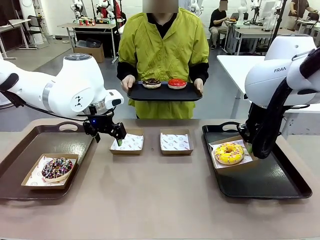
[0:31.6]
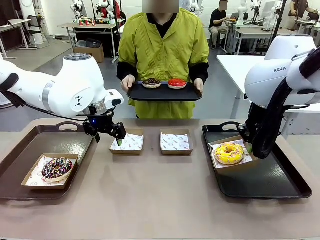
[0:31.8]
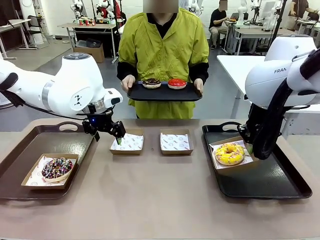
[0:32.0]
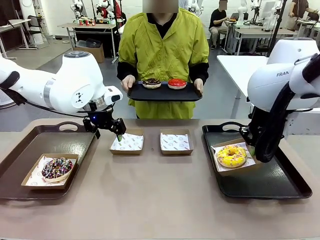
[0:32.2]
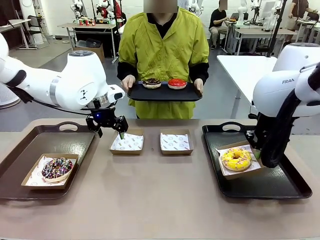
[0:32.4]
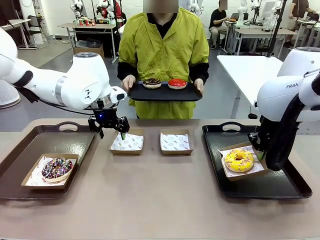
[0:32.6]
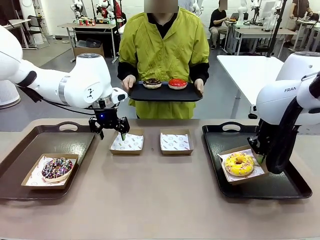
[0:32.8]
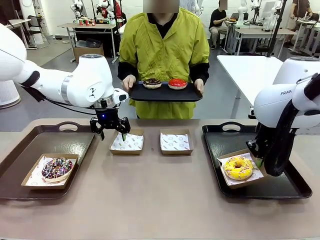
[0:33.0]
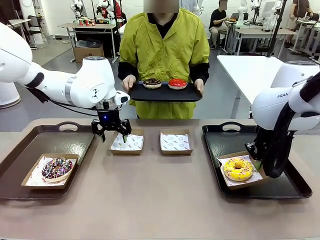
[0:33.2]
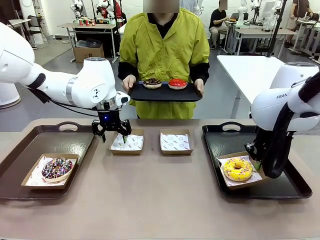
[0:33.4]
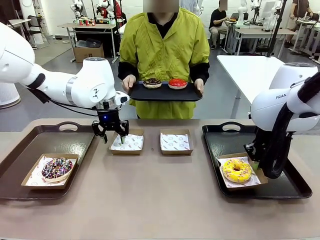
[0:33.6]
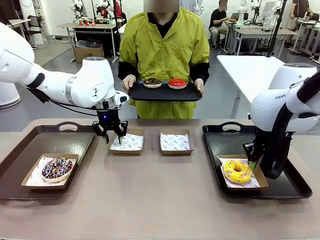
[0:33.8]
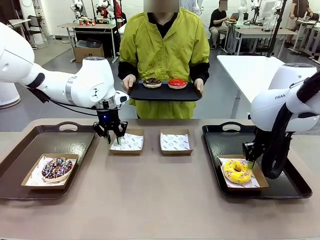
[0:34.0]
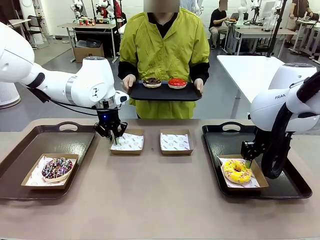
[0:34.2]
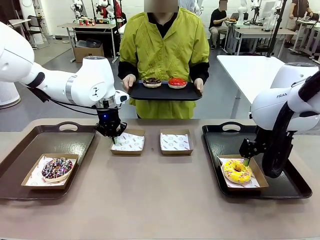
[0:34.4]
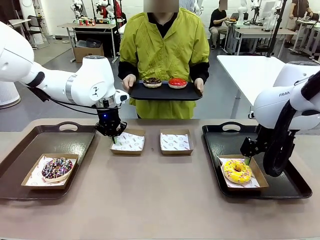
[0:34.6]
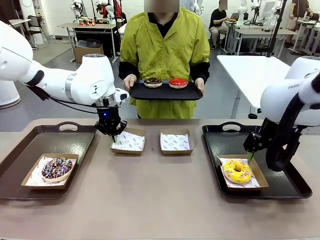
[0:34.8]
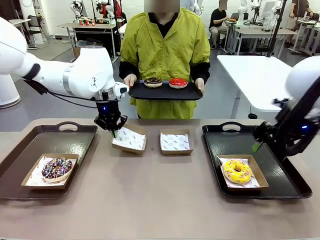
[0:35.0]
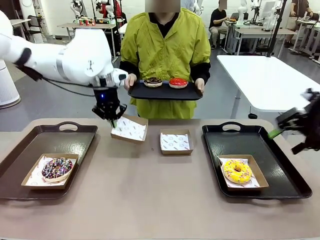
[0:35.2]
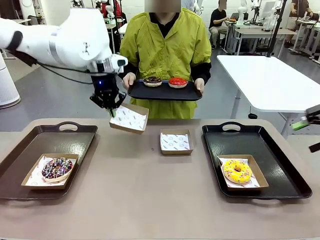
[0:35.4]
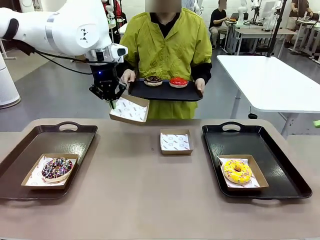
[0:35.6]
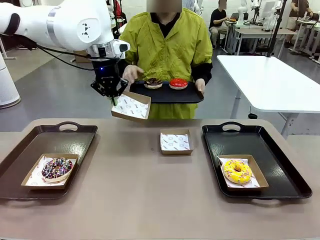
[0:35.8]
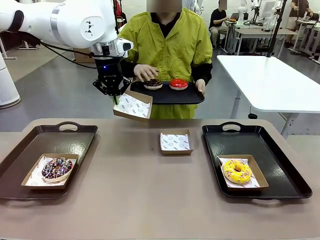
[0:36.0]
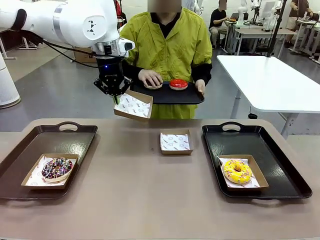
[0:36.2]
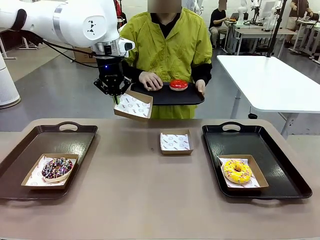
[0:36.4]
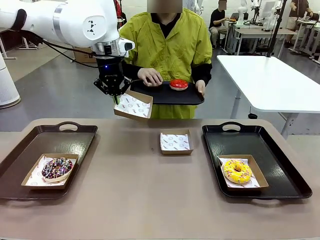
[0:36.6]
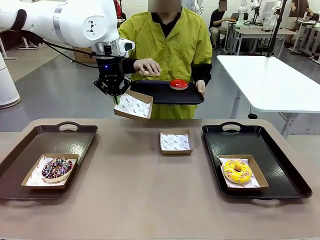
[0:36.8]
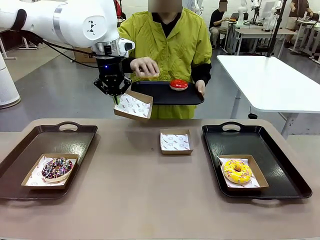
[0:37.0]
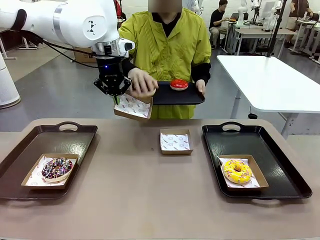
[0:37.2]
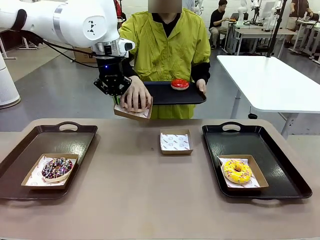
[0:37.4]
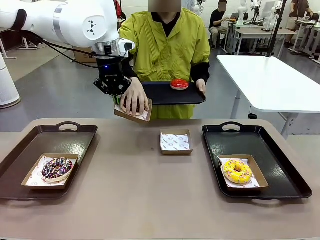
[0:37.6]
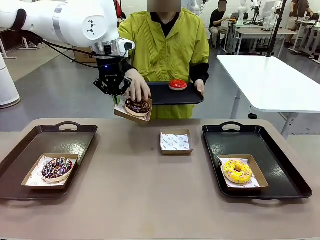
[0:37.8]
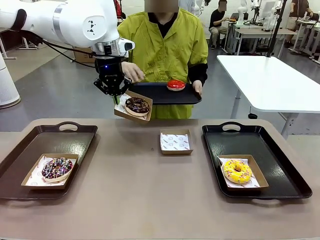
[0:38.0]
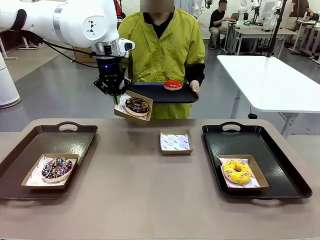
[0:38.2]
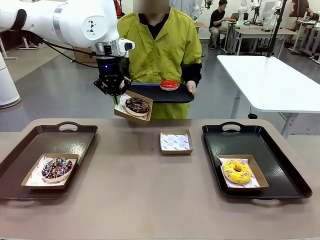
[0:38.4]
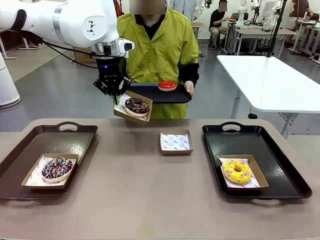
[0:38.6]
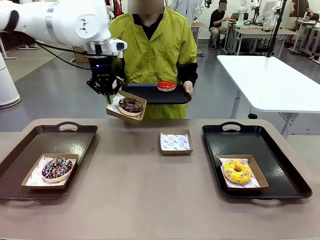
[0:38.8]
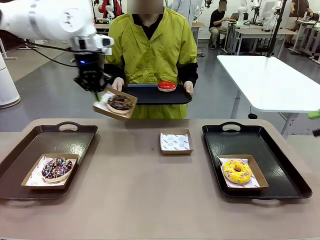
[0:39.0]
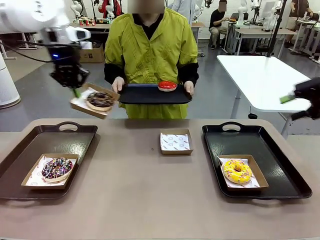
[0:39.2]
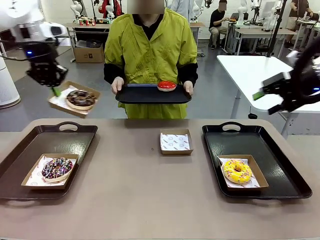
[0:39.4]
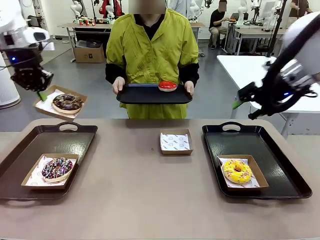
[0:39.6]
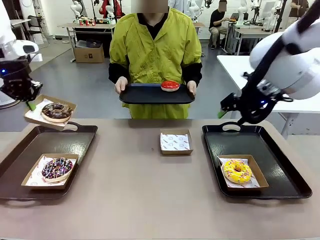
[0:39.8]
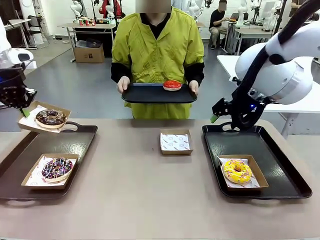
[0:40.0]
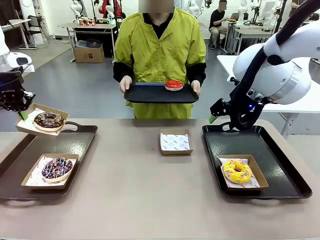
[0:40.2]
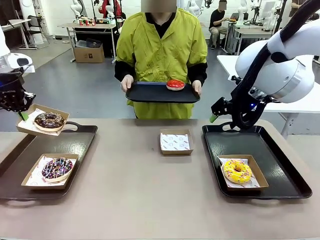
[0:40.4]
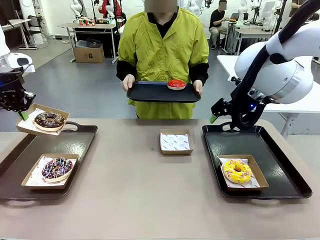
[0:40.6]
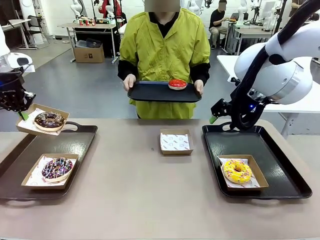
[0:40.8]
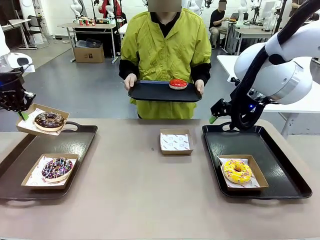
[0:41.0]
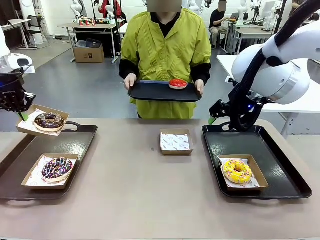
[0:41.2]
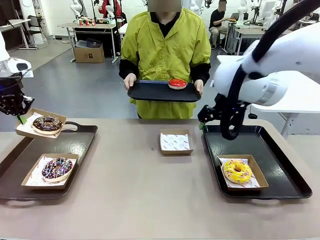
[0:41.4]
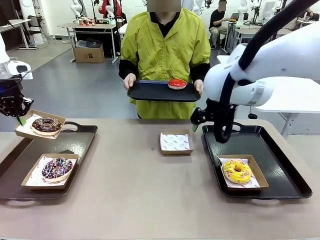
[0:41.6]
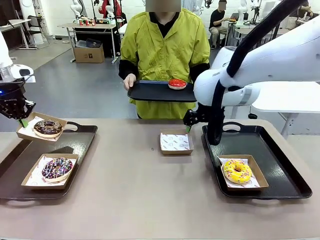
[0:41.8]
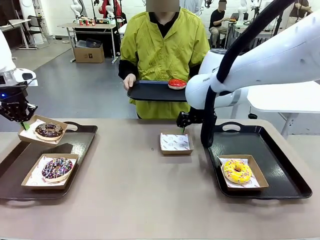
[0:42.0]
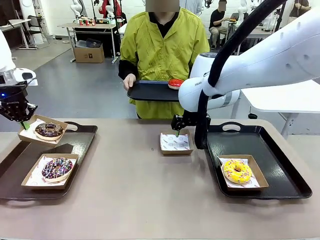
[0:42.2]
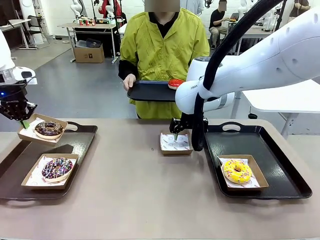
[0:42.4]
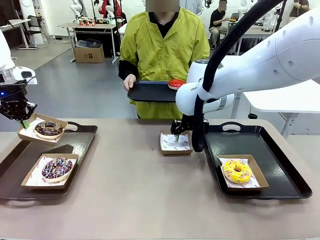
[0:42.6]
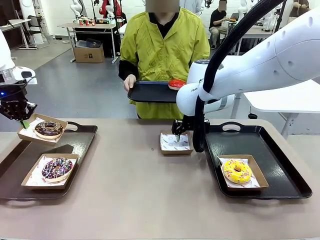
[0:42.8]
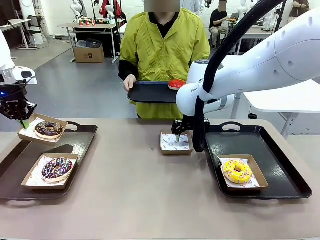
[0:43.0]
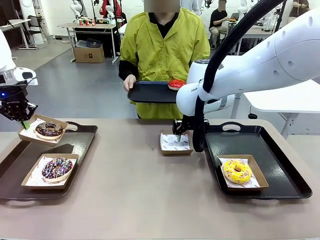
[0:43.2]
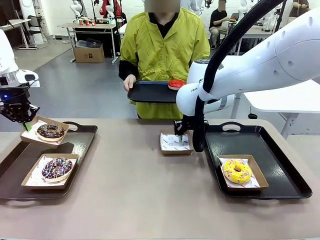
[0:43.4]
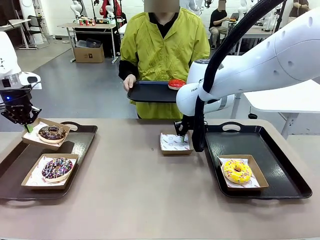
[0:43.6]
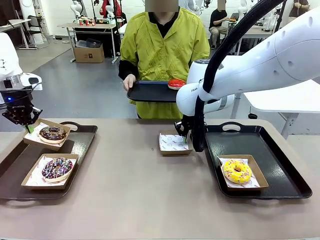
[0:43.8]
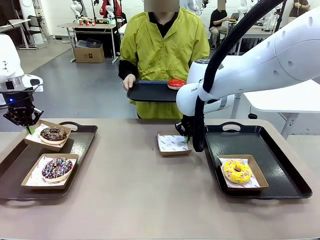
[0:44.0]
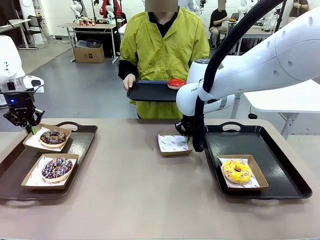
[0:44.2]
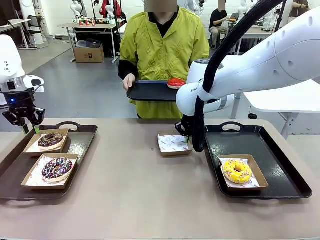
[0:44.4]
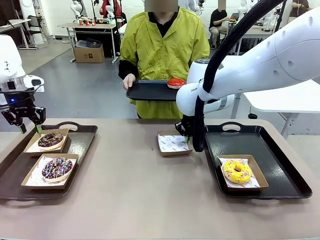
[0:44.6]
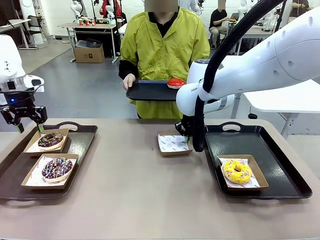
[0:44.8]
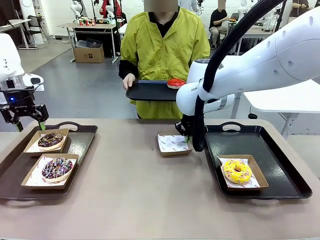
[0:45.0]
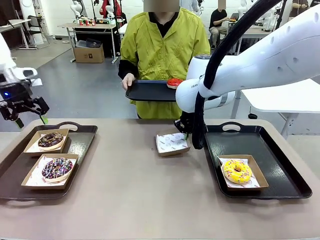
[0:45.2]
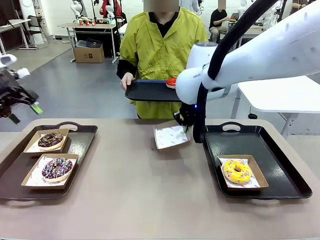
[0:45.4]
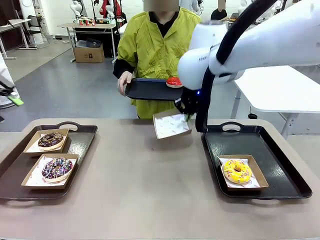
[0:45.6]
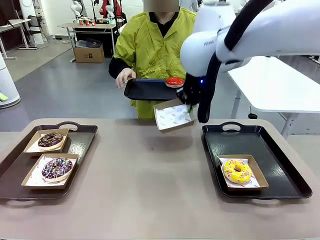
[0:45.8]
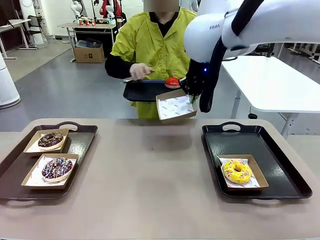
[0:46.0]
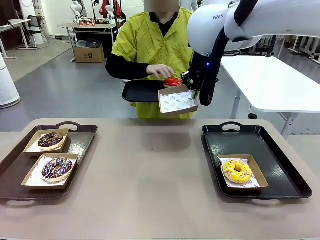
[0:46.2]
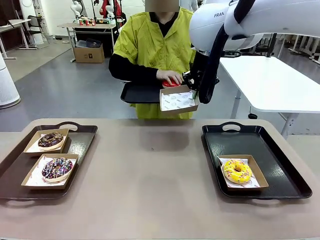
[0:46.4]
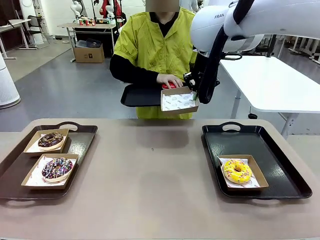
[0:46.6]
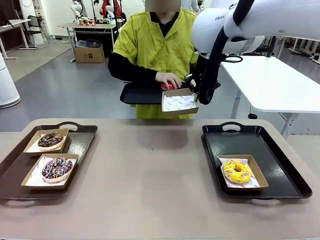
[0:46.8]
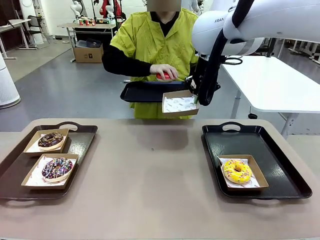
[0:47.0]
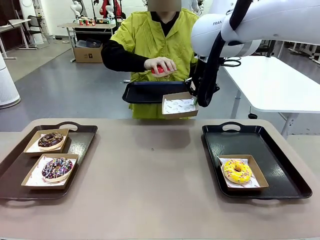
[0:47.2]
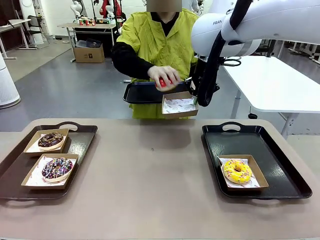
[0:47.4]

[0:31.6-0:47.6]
Task: Individually package the donuts and arrange them on the tray.
Robot: Place the picked Paper togo box on the Handle tray while simultaneously picking up another Paper togo box from the table with the other hand.
